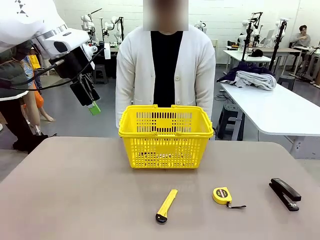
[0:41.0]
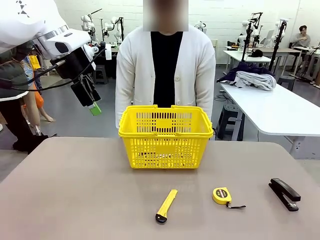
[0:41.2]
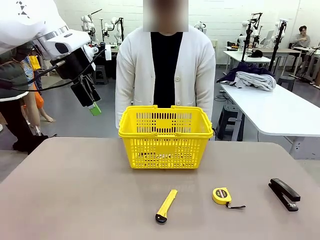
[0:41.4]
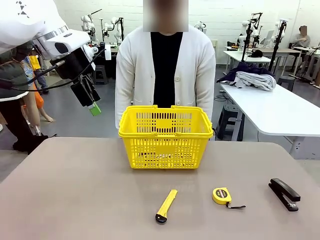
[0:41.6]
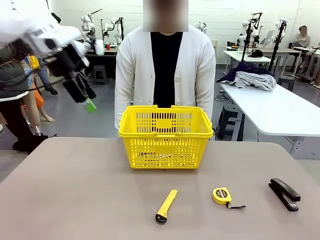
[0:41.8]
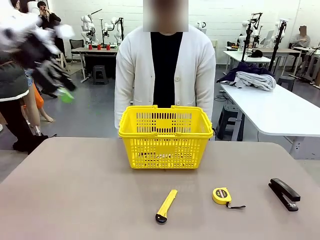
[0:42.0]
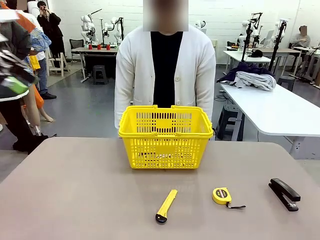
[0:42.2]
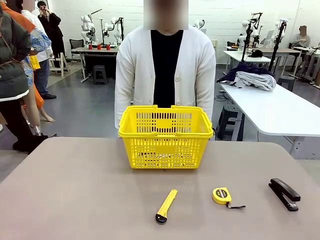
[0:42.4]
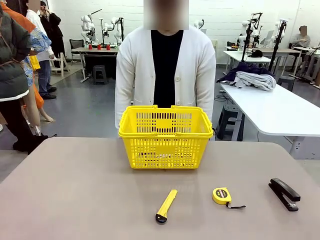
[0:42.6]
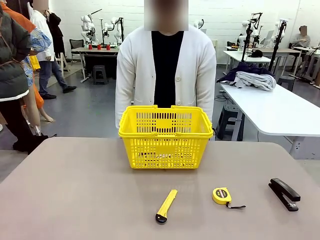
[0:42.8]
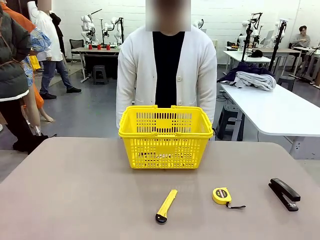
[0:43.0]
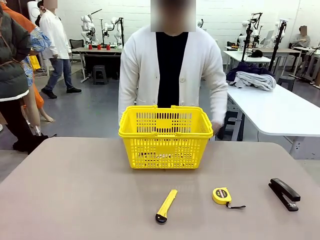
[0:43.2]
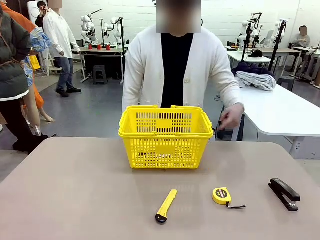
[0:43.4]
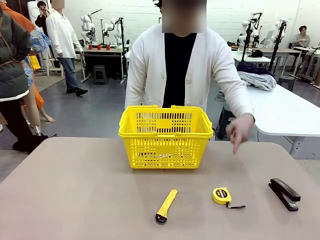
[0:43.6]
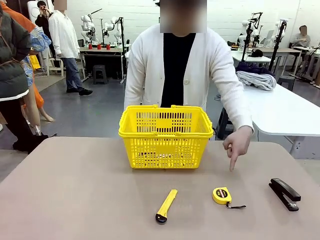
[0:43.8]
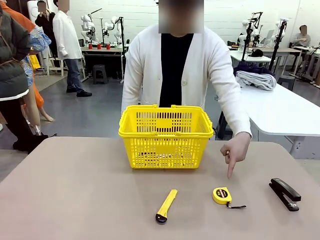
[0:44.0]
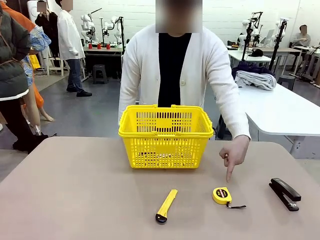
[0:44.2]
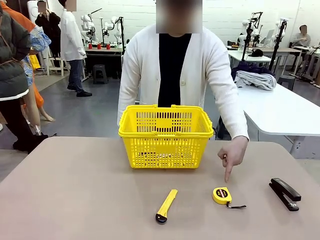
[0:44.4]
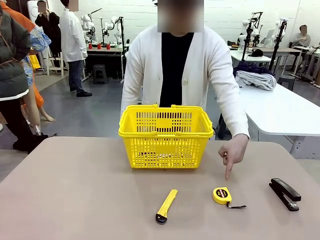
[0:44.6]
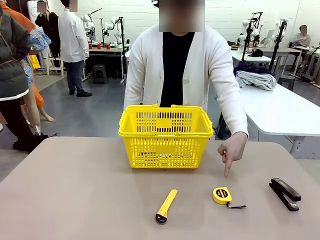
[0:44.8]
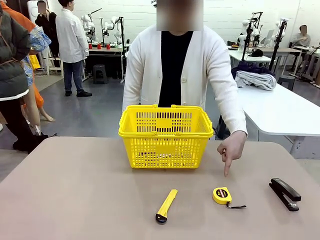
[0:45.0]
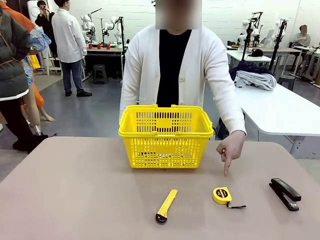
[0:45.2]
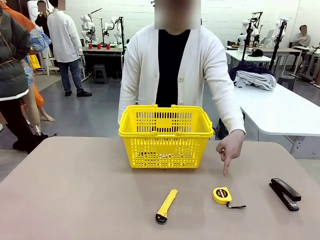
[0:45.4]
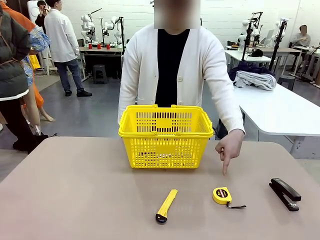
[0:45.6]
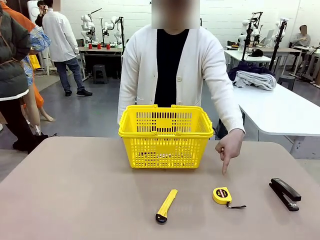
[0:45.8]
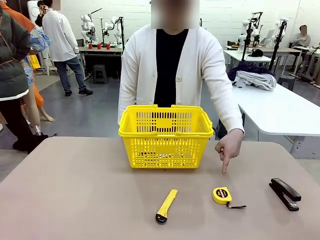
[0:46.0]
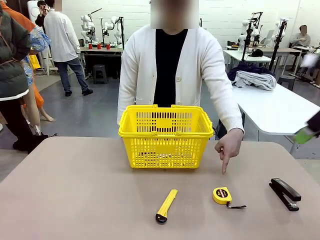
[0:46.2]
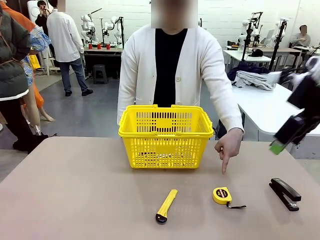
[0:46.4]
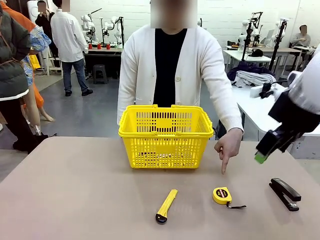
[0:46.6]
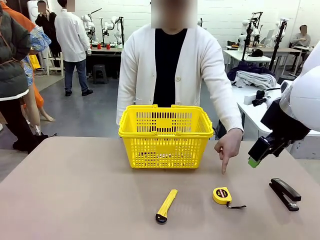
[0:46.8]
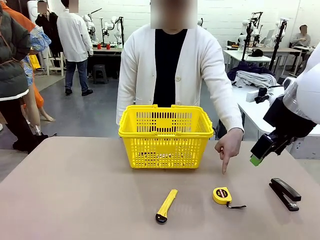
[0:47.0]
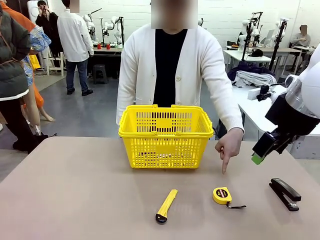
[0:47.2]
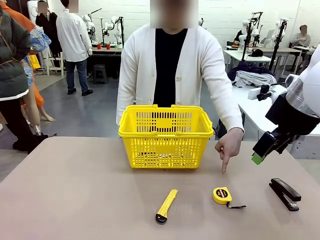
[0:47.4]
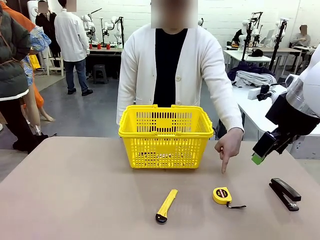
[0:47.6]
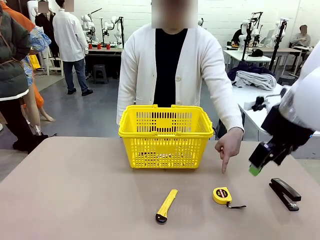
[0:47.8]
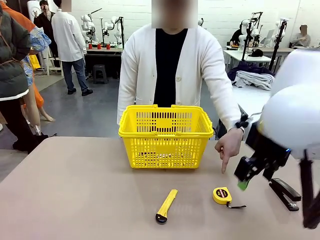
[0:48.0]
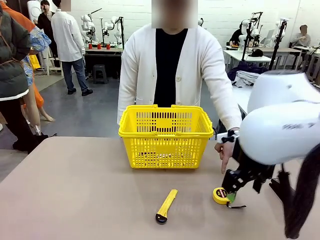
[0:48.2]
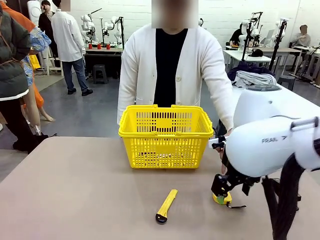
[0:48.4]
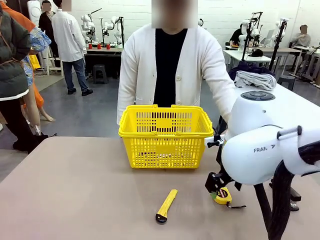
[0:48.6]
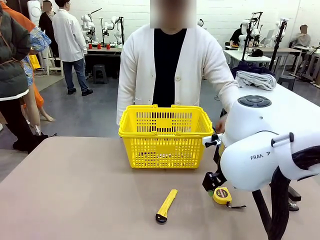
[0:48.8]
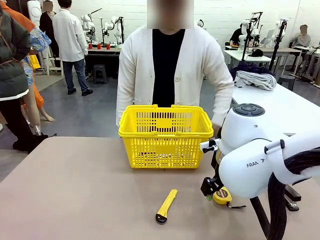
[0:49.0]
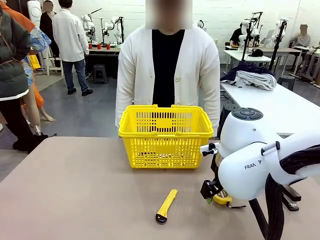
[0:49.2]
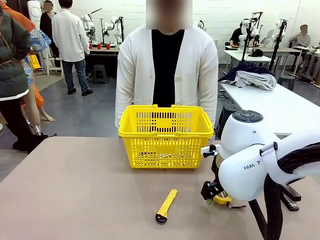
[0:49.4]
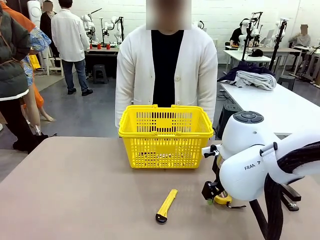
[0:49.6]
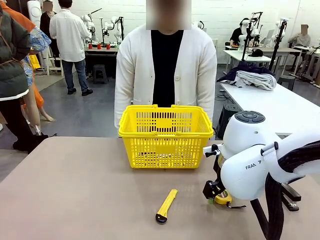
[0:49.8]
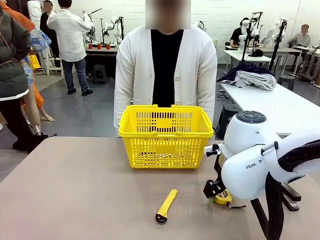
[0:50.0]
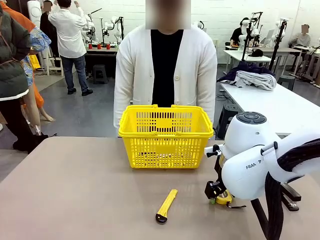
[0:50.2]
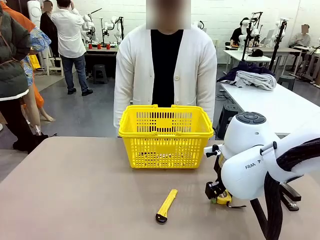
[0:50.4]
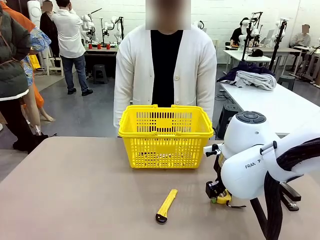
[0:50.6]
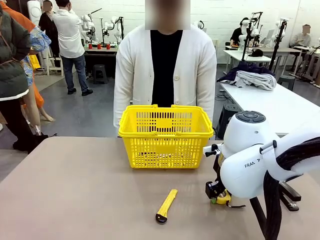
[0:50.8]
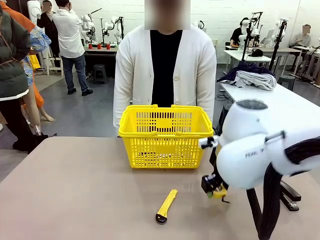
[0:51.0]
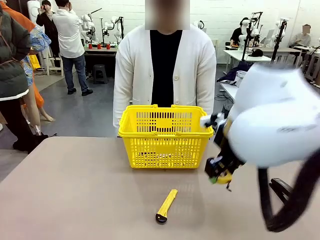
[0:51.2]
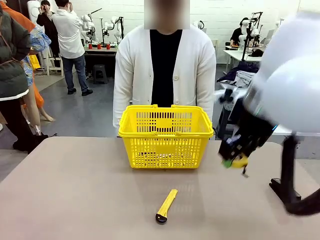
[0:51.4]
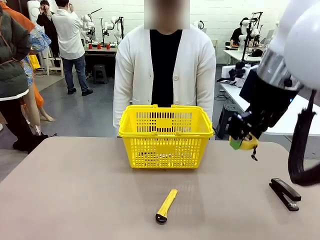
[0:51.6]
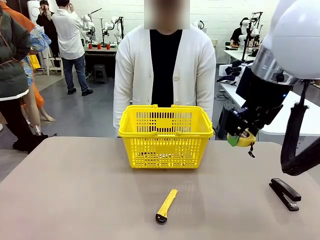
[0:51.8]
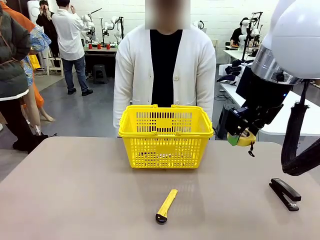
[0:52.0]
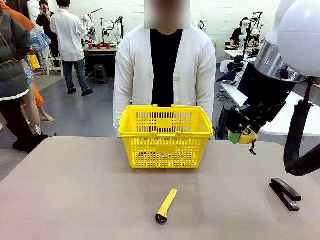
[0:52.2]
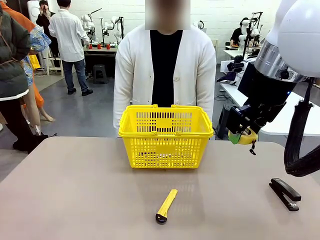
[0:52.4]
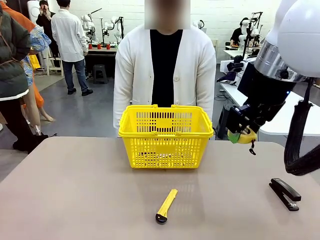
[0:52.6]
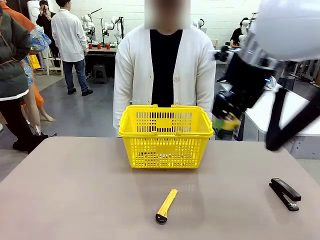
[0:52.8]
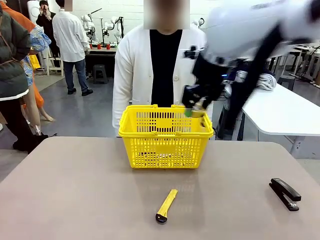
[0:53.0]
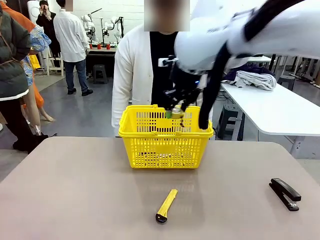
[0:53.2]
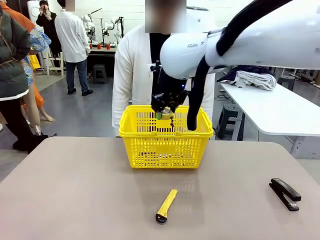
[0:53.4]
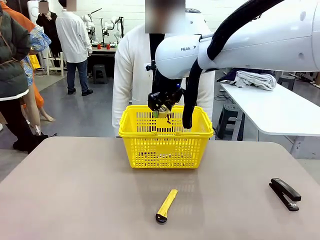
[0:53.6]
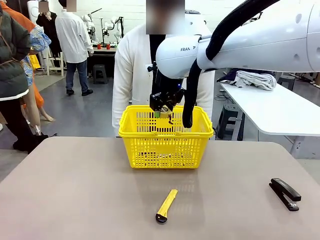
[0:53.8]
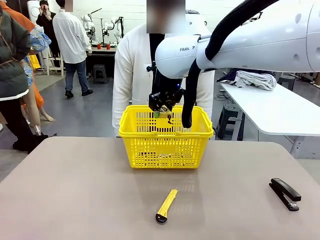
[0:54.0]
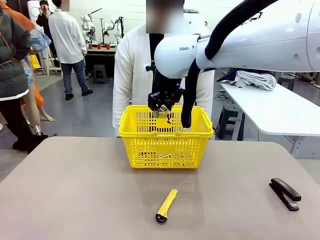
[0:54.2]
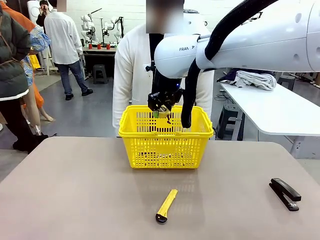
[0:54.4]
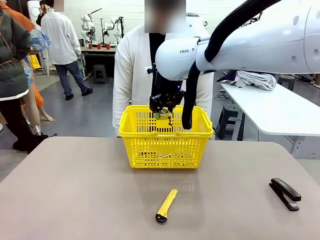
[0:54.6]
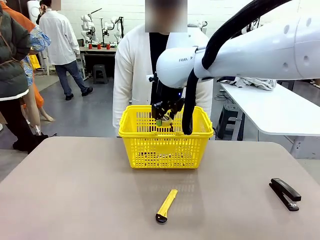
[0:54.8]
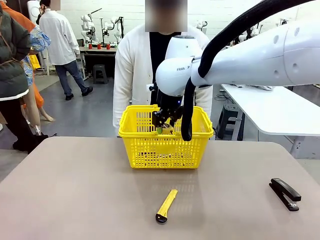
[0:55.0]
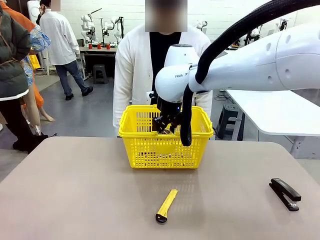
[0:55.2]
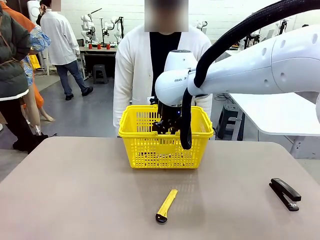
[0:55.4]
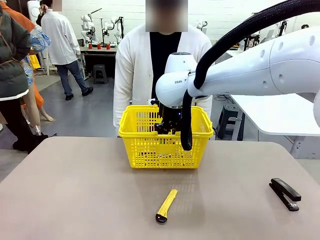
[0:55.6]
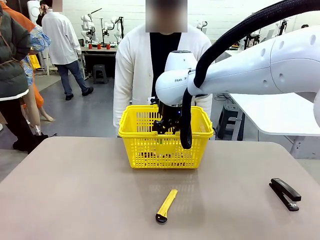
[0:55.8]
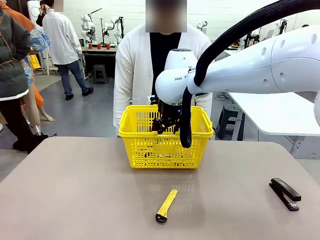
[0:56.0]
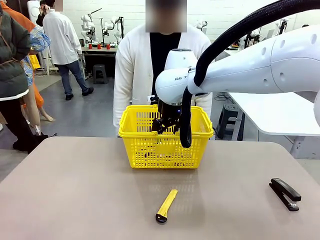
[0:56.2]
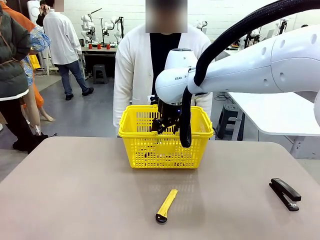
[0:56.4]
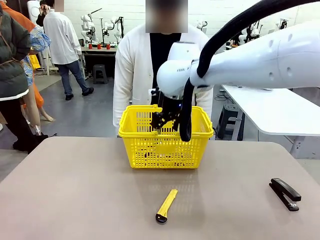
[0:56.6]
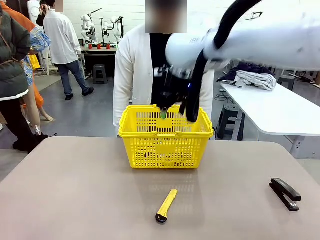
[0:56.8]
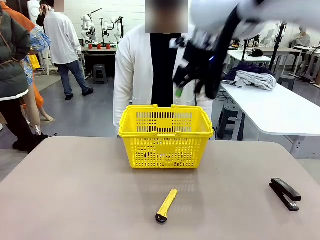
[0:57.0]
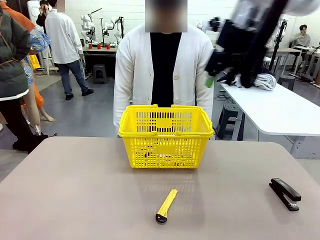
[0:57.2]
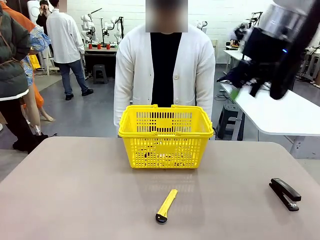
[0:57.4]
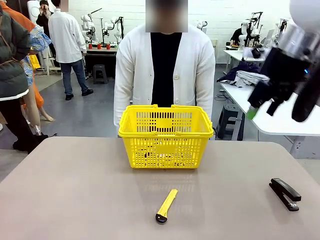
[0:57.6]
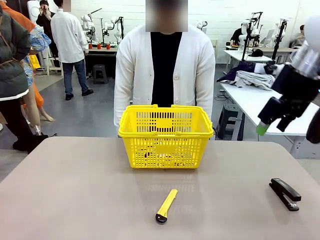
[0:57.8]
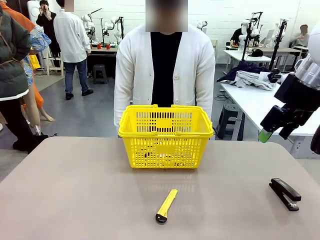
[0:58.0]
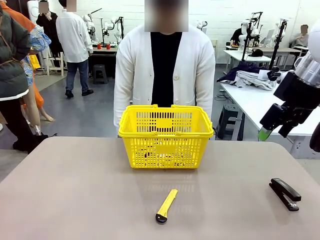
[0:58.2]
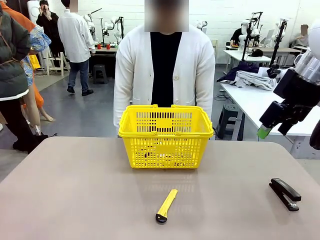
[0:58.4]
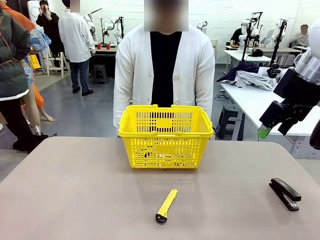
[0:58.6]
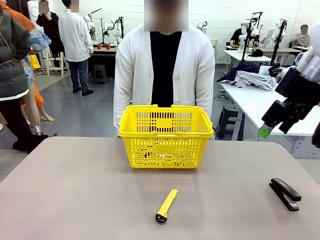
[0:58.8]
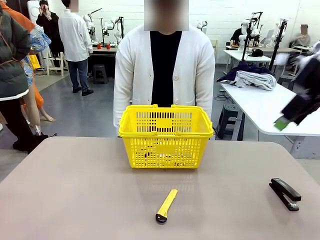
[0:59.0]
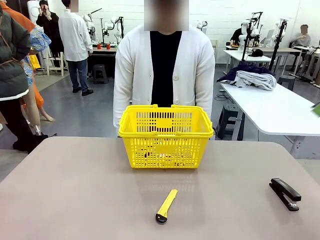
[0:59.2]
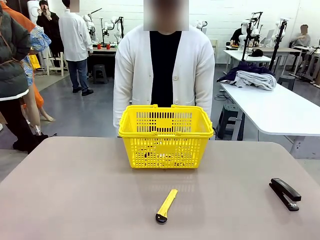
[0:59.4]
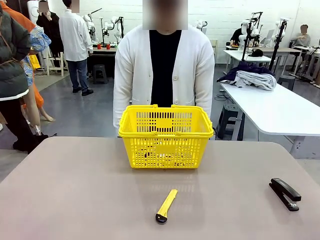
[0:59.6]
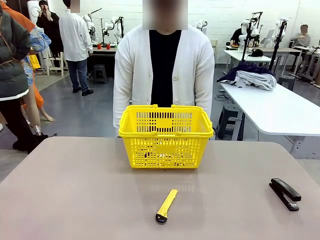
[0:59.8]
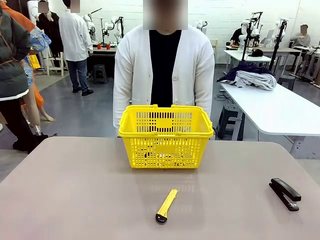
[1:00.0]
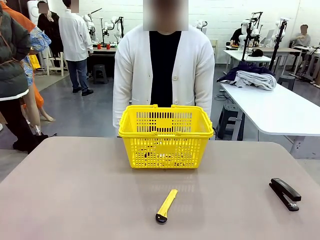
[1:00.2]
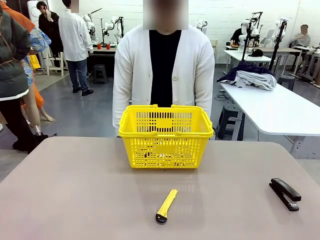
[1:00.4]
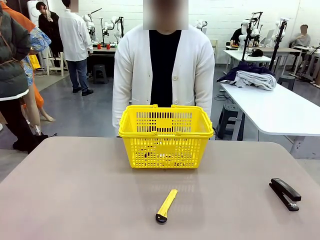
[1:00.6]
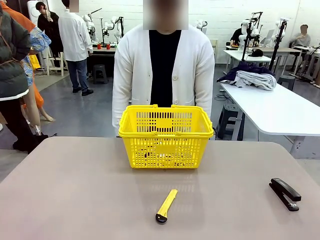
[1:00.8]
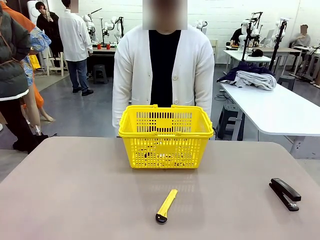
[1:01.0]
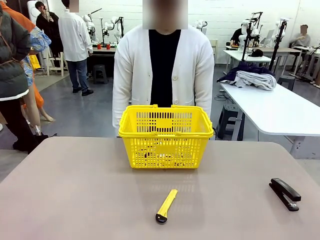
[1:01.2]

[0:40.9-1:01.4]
Task: Place the items the person wants into the basket.
Robot: Pick up the item the person points to and place it in the Market Basket.
